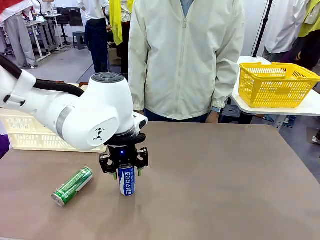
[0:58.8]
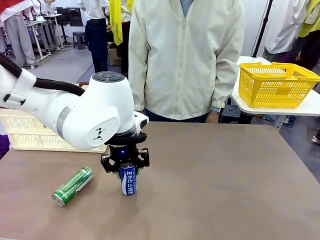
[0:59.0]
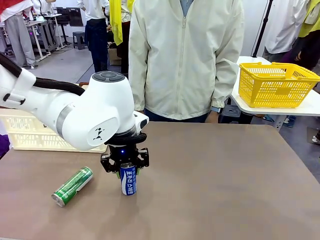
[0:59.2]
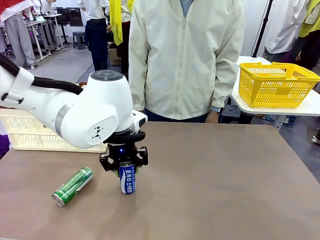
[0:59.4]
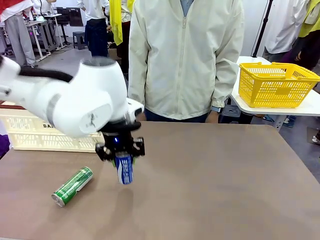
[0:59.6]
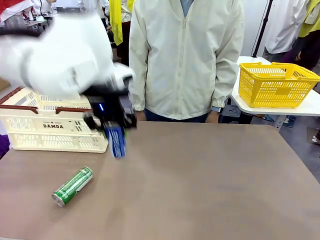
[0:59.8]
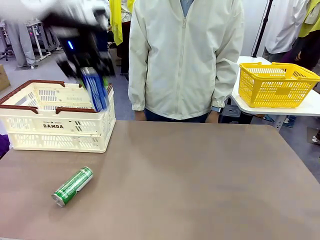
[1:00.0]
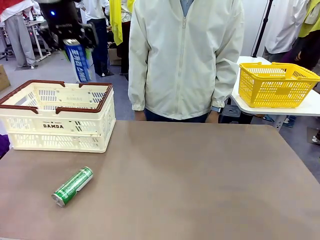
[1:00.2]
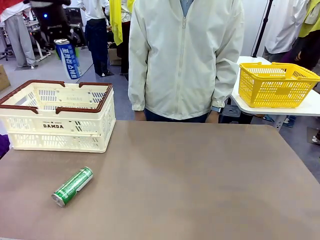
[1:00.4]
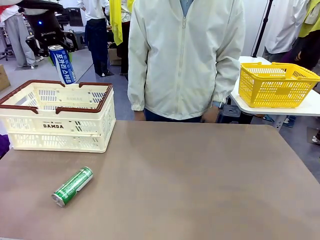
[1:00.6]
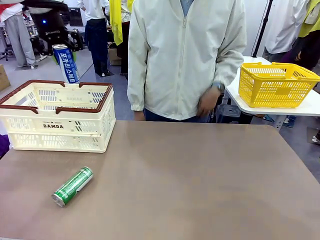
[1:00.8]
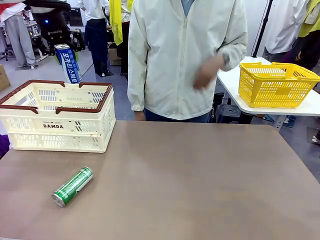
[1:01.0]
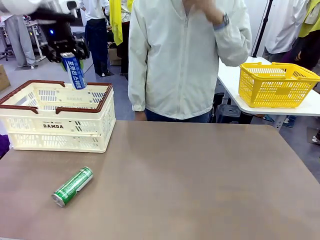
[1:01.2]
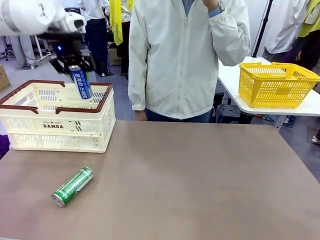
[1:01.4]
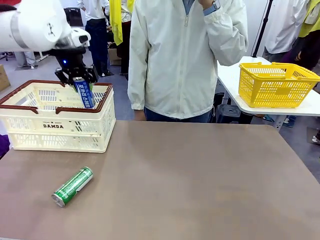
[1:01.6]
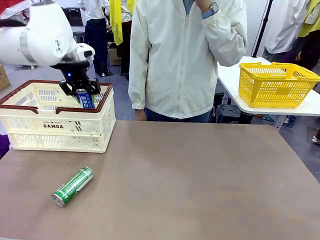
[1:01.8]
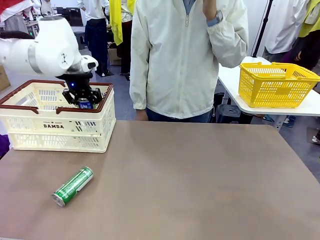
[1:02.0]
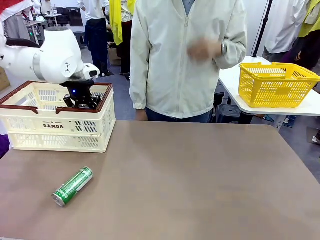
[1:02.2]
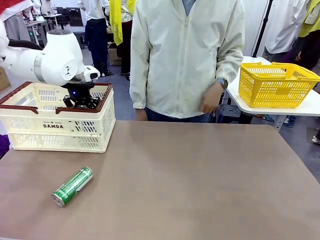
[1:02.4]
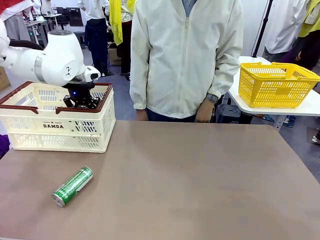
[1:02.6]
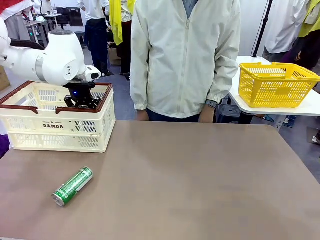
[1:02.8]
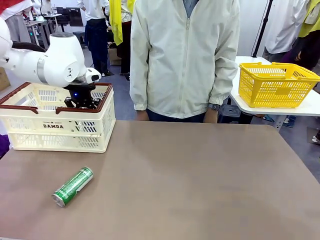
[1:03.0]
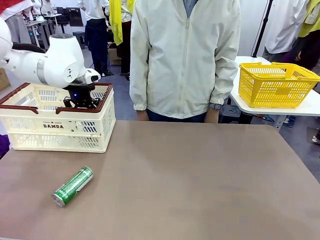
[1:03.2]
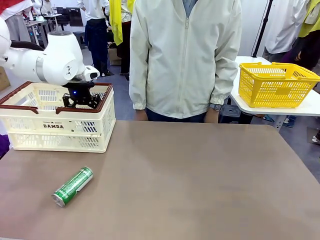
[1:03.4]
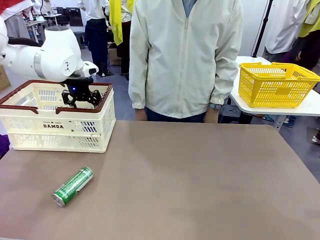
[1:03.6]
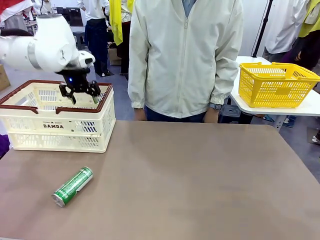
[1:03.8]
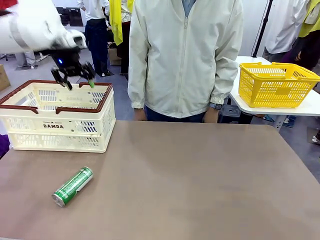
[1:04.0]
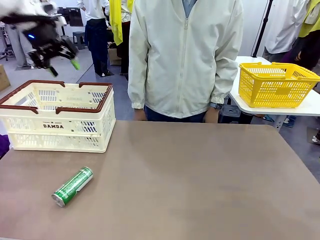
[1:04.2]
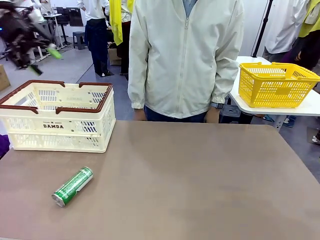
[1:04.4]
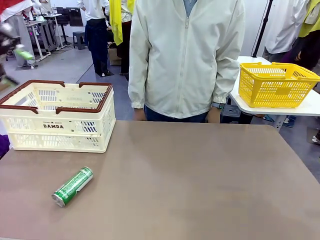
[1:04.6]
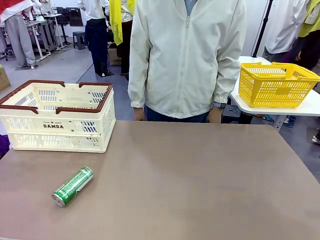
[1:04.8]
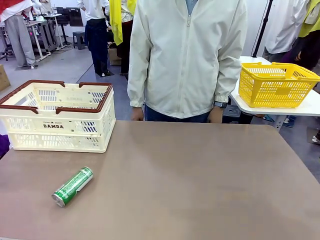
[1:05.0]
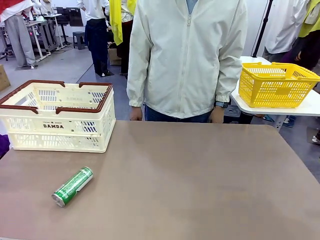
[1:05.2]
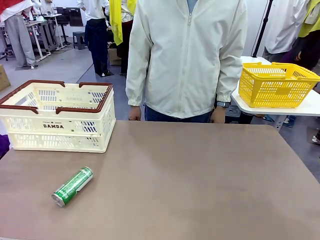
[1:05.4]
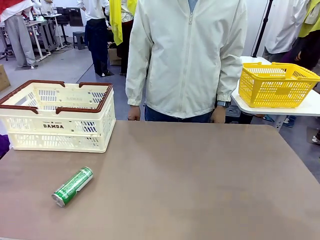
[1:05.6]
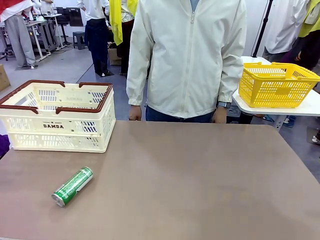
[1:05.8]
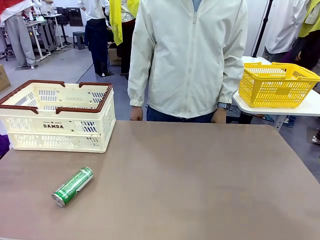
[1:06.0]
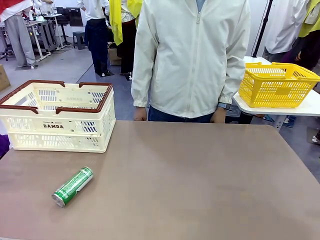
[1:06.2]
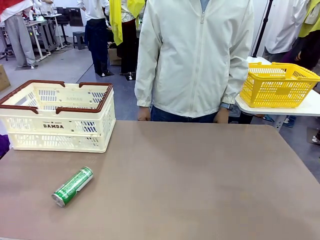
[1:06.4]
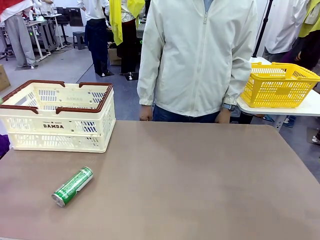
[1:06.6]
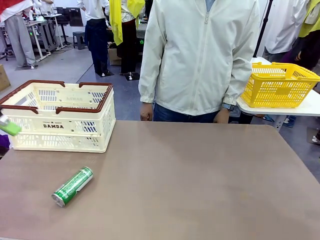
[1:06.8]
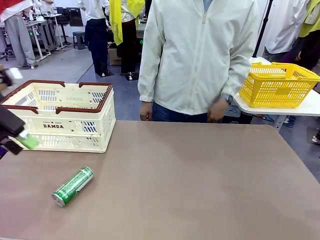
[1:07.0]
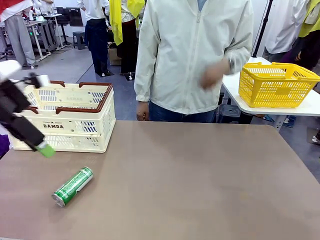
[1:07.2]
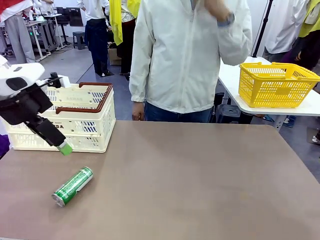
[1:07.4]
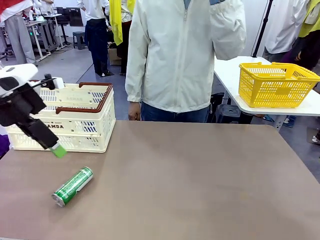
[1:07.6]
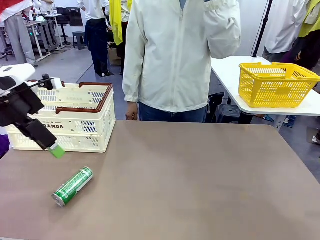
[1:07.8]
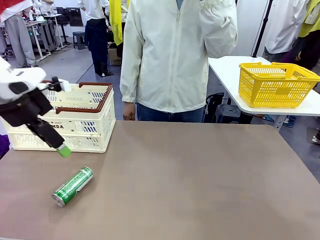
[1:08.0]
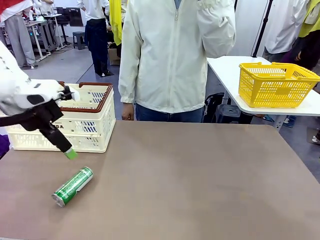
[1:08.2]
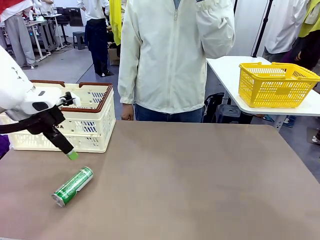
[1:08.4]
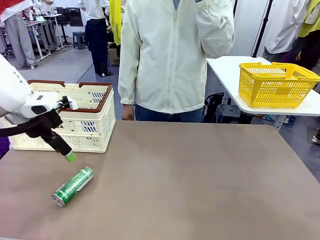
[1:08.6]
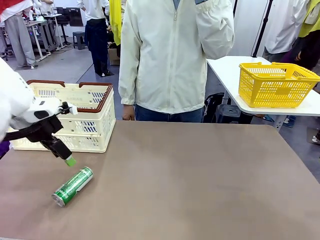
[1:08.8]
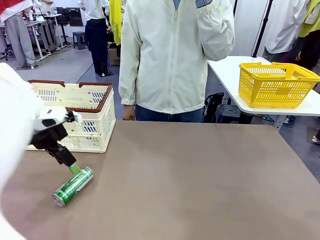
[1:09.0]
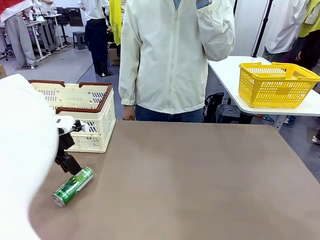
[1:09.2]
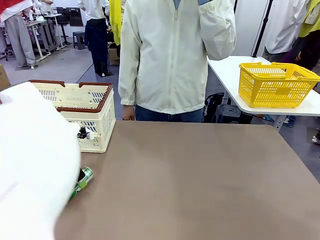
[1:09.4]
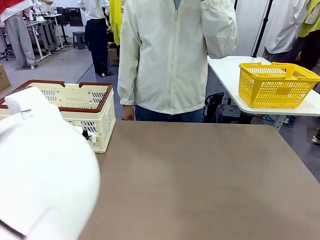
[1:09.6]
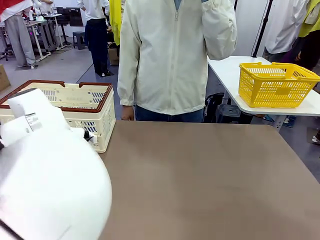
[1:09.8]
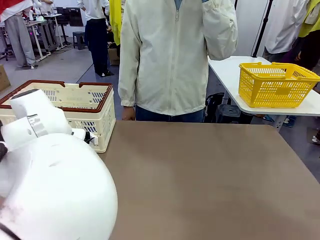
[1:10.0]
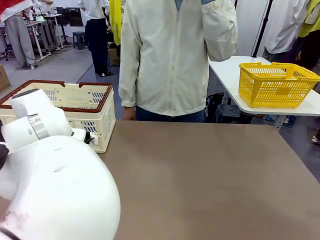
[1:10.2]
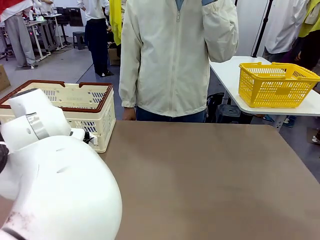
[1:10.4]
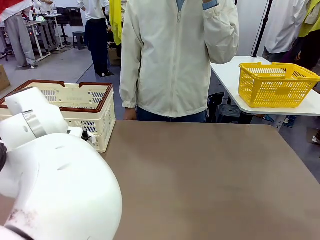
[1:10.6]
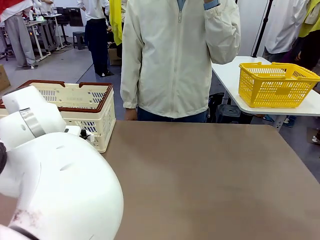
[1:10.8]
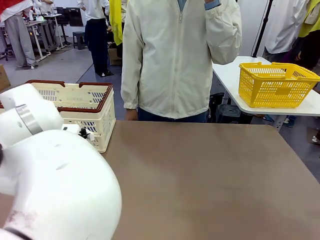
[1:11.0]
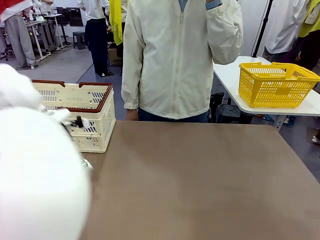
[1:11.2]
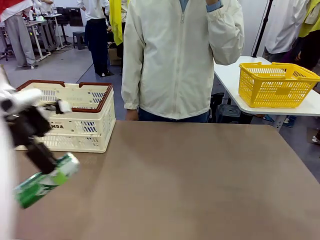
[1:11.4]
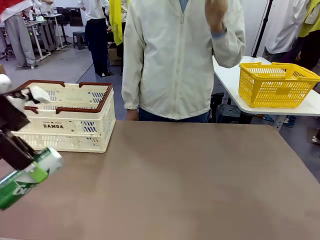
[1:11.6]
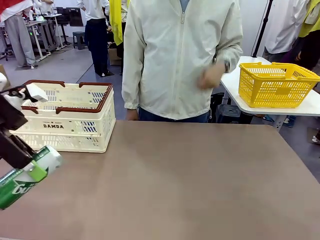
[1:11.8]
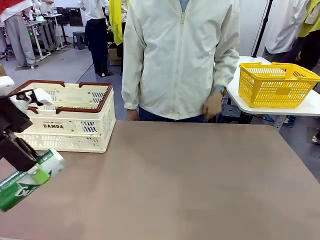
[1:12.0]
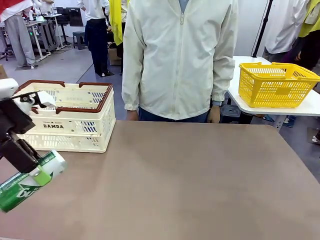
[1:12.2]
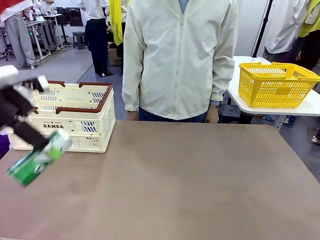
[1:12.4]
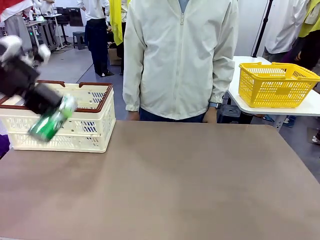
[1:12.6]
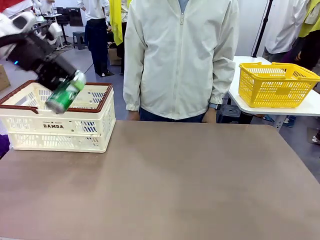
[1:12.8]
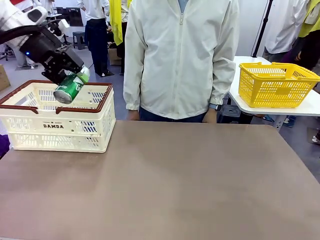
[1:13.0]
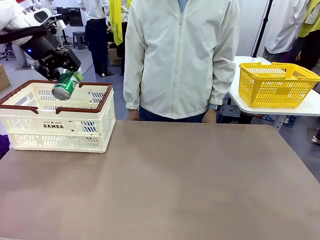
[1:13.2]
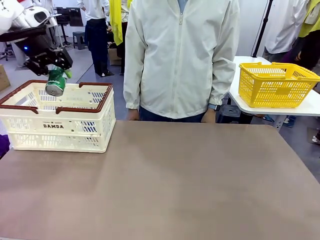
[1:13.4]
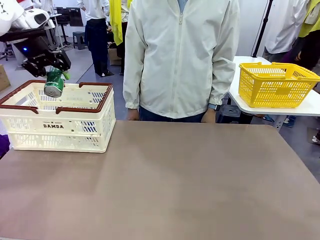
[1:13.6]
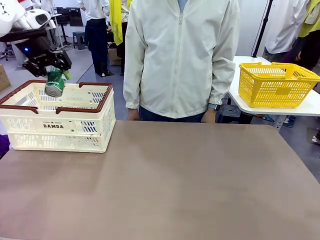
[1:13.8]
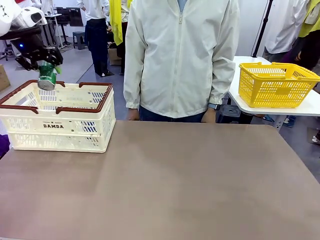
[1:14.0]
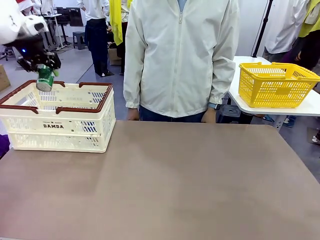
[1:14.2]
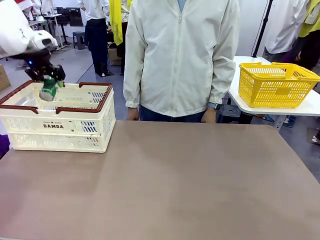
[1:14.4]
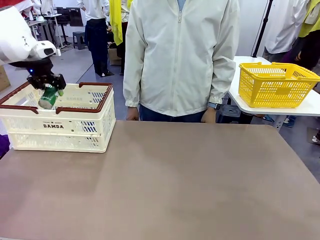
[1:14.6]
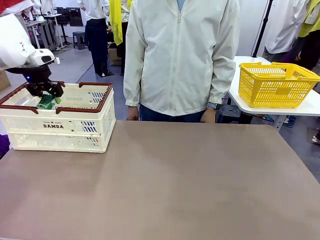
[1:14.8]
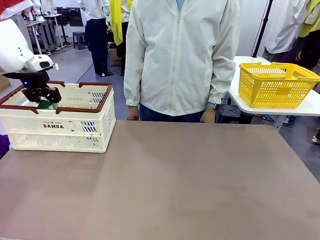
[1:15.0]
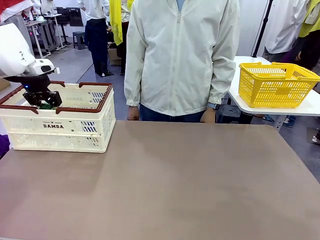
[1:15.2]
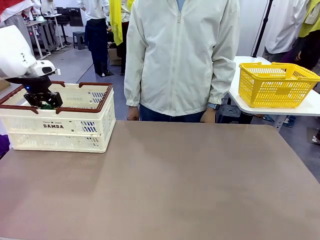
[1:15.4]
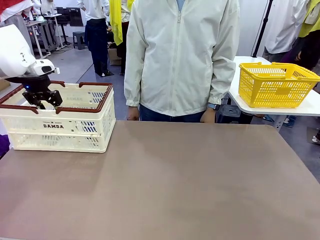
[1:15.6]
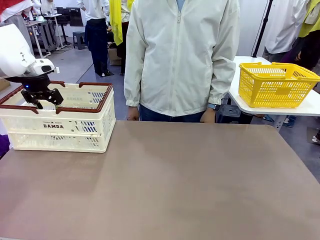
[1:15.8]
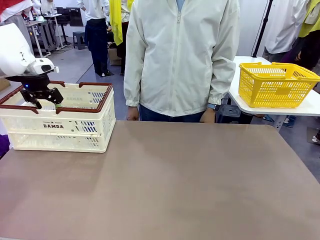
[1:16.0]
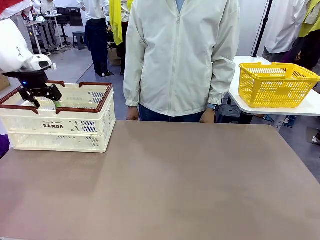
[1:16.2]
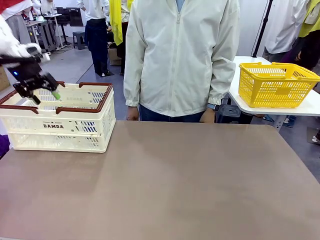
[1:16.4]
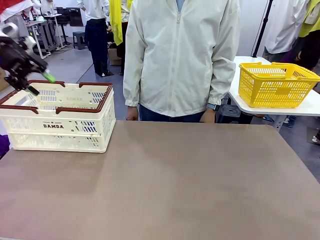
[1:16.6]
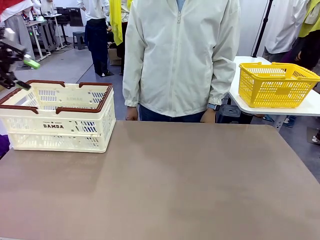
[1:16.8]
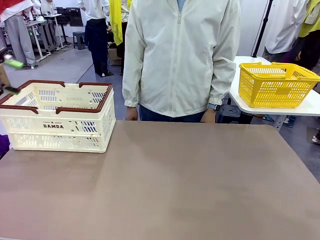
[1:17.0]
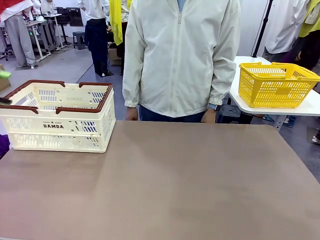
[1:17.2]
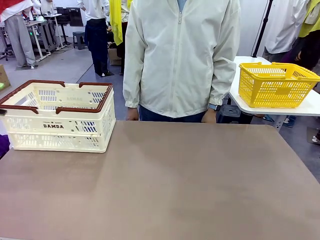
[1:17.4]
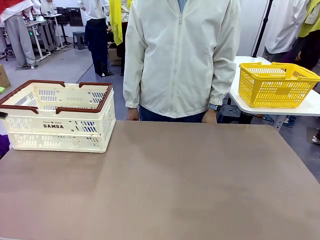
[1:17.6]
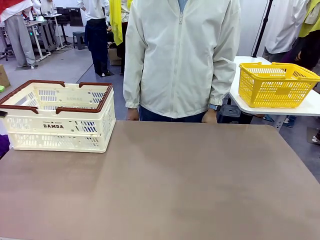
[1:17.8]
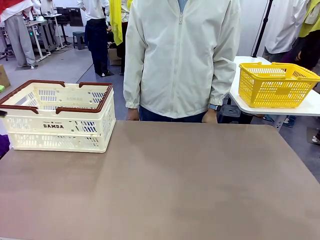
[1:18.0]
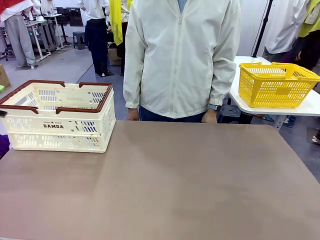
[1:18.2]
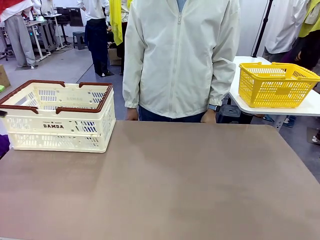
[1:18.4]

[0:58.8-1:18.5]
Task: Place the drinks into the Shopping basket.
Robot: Pick up one drink and place it into the Shopping basket.
